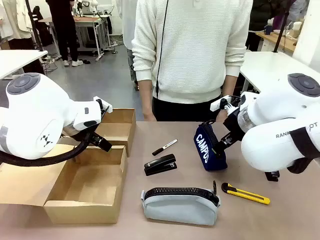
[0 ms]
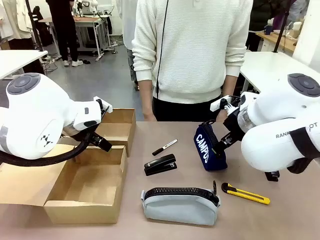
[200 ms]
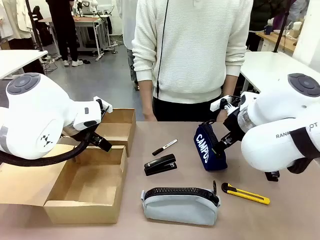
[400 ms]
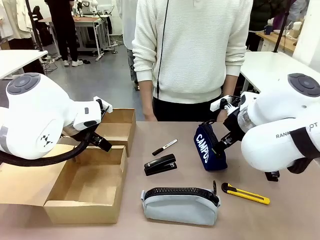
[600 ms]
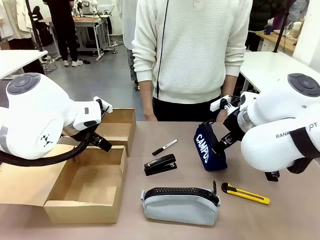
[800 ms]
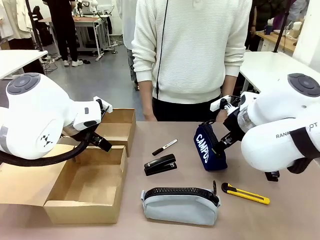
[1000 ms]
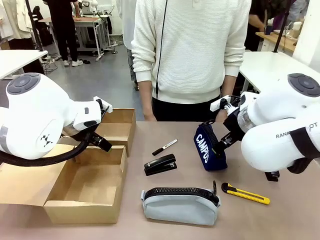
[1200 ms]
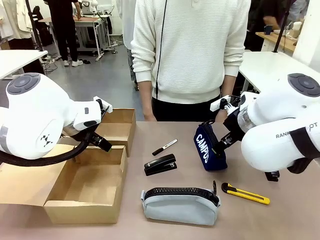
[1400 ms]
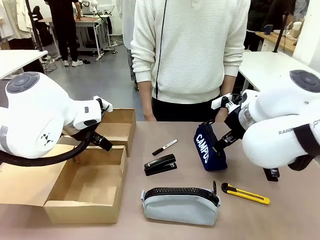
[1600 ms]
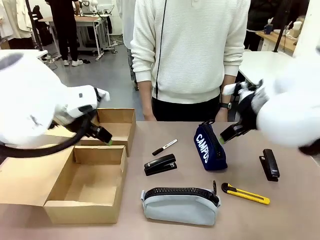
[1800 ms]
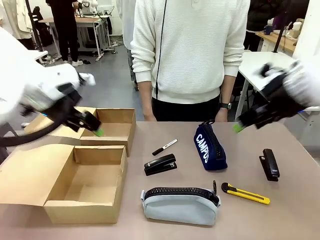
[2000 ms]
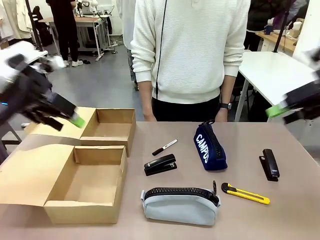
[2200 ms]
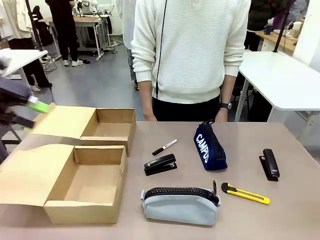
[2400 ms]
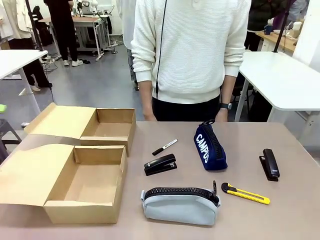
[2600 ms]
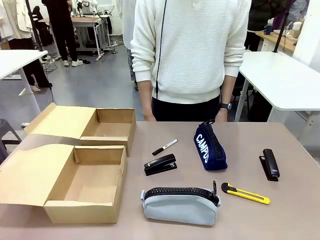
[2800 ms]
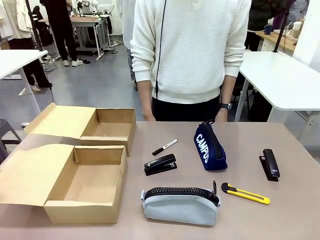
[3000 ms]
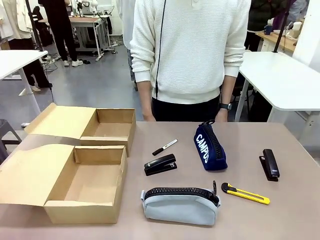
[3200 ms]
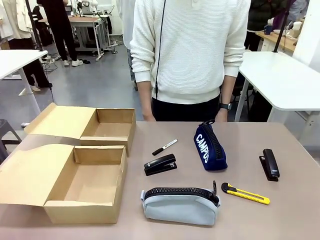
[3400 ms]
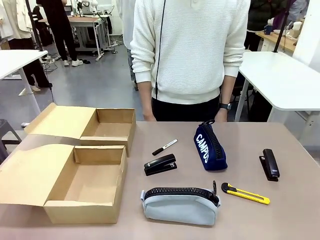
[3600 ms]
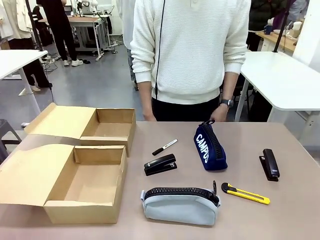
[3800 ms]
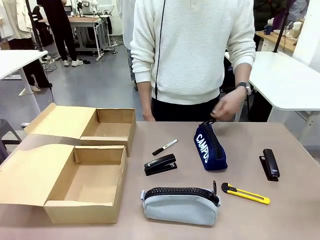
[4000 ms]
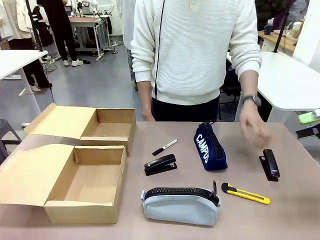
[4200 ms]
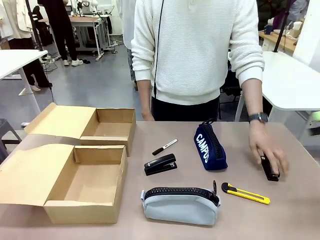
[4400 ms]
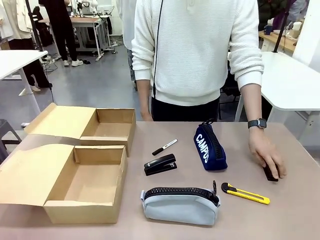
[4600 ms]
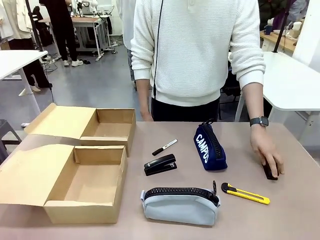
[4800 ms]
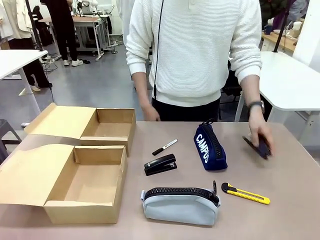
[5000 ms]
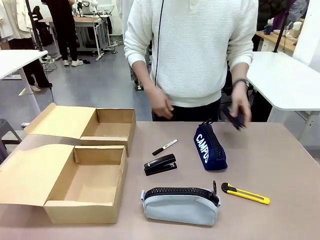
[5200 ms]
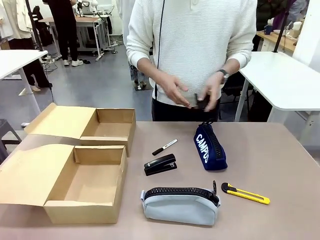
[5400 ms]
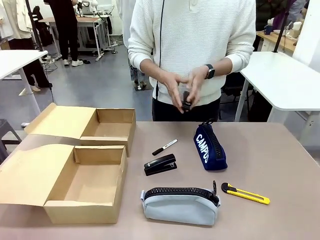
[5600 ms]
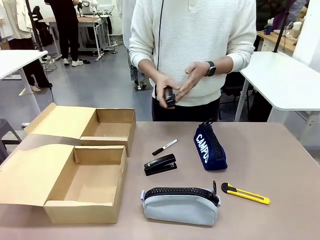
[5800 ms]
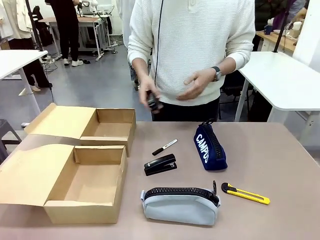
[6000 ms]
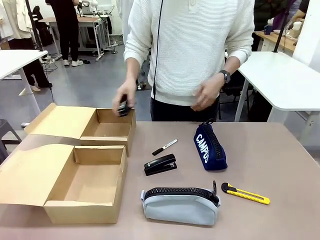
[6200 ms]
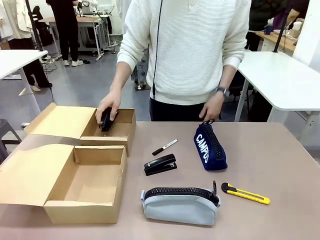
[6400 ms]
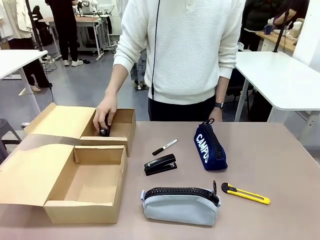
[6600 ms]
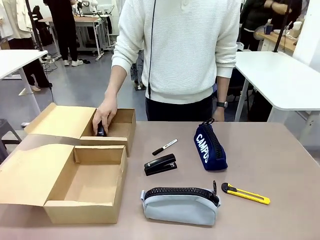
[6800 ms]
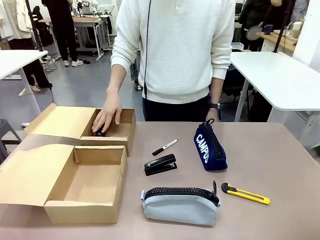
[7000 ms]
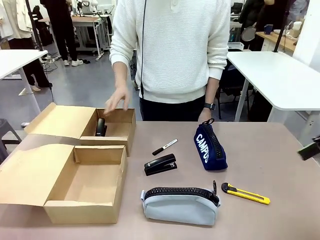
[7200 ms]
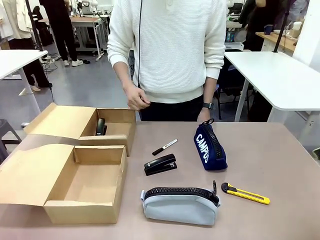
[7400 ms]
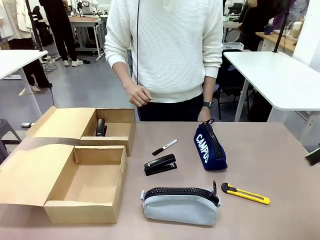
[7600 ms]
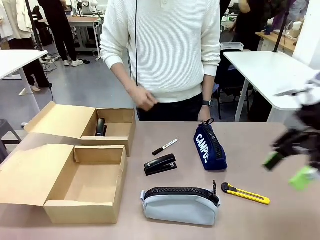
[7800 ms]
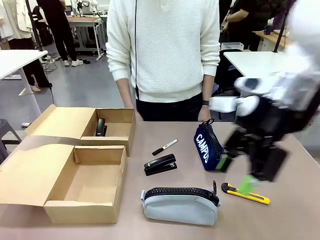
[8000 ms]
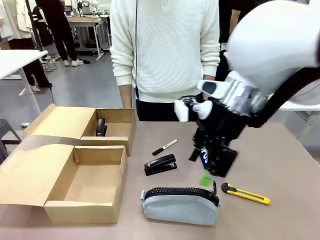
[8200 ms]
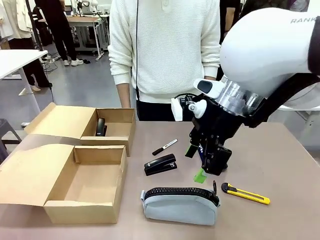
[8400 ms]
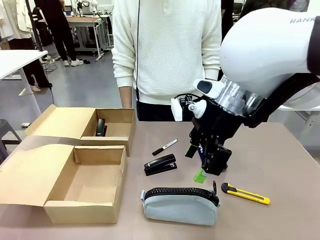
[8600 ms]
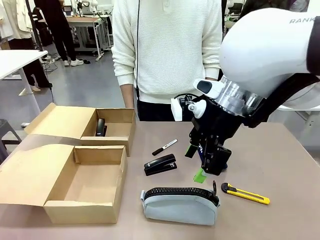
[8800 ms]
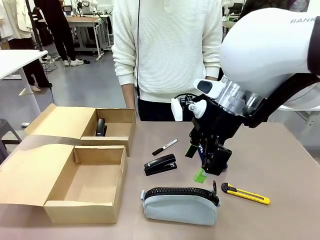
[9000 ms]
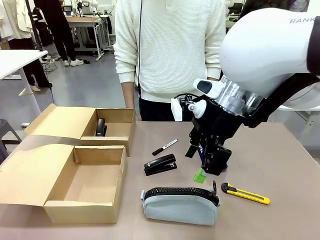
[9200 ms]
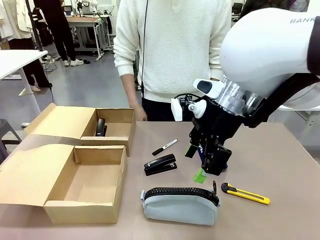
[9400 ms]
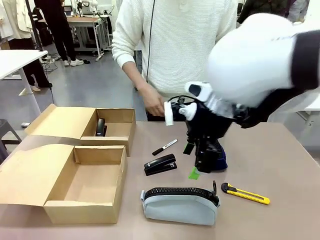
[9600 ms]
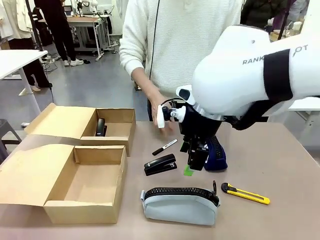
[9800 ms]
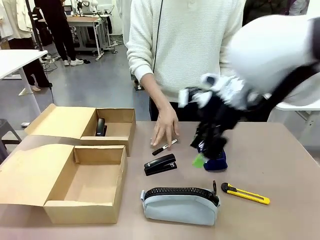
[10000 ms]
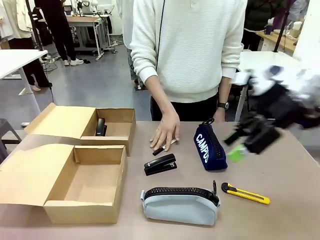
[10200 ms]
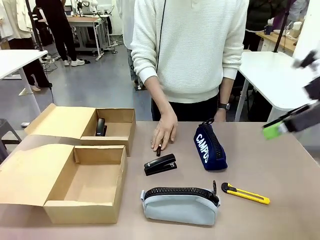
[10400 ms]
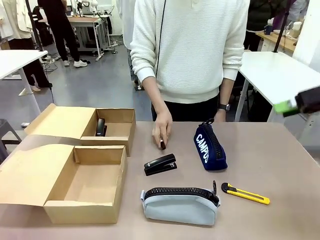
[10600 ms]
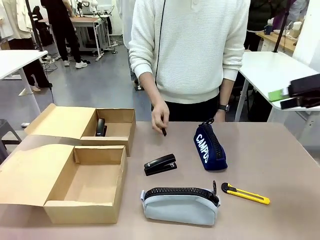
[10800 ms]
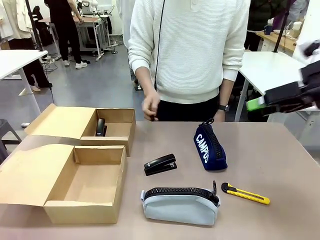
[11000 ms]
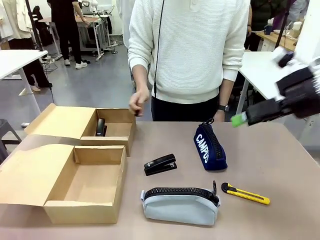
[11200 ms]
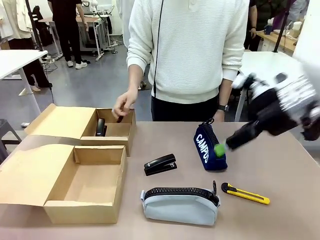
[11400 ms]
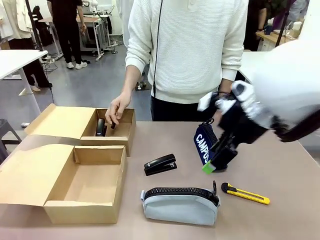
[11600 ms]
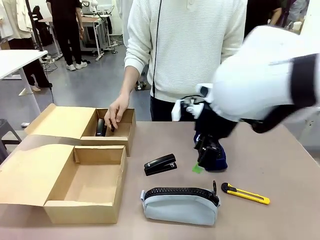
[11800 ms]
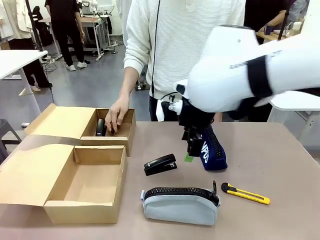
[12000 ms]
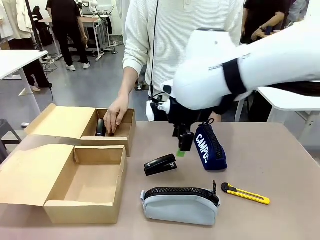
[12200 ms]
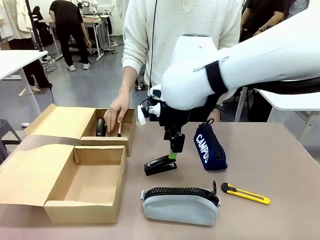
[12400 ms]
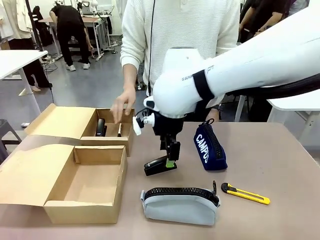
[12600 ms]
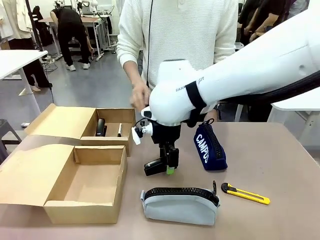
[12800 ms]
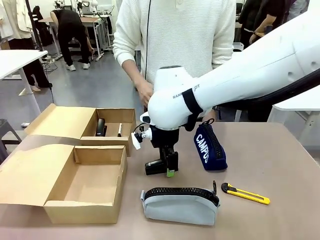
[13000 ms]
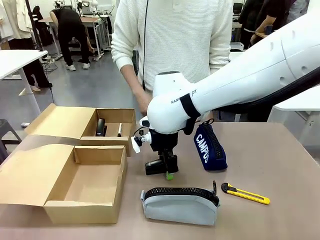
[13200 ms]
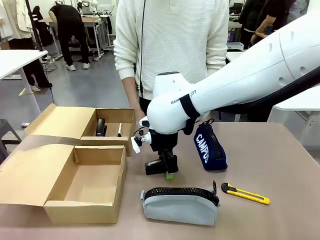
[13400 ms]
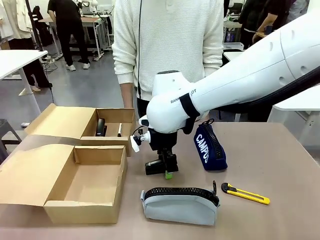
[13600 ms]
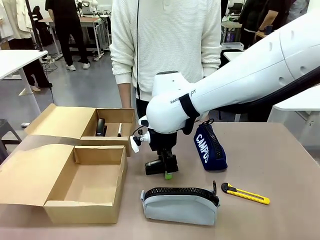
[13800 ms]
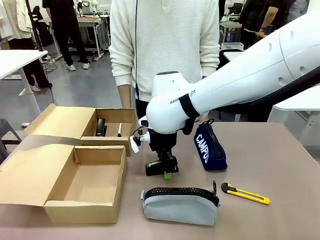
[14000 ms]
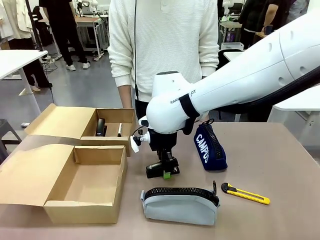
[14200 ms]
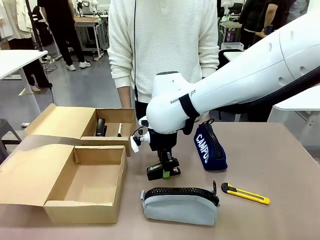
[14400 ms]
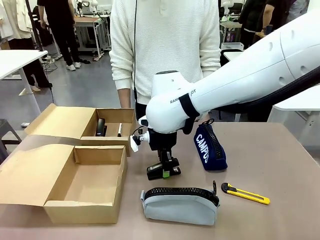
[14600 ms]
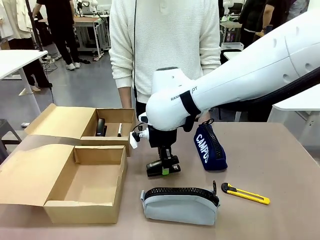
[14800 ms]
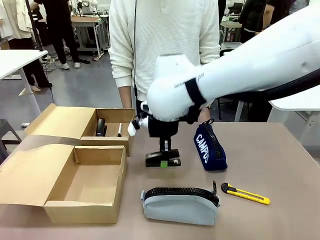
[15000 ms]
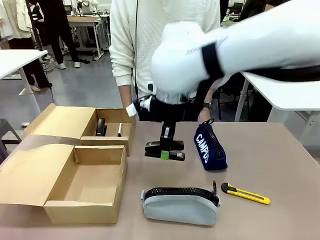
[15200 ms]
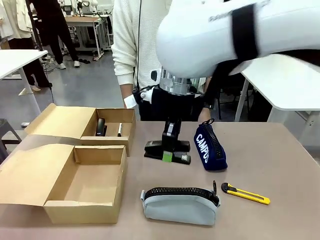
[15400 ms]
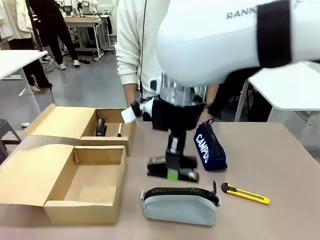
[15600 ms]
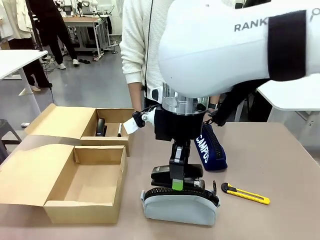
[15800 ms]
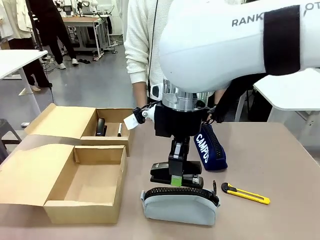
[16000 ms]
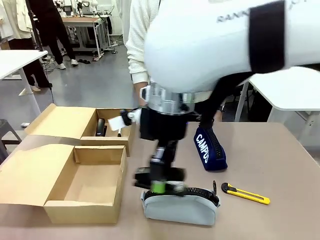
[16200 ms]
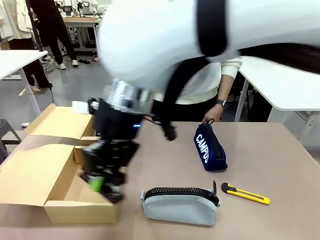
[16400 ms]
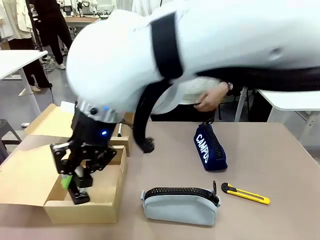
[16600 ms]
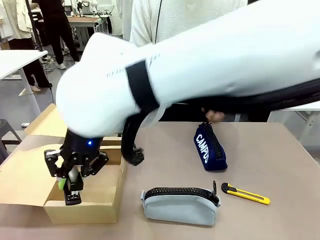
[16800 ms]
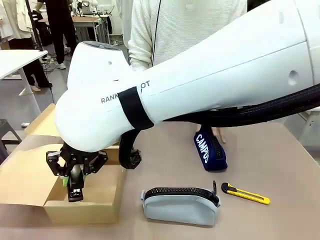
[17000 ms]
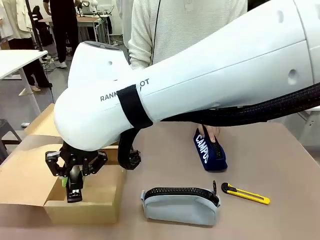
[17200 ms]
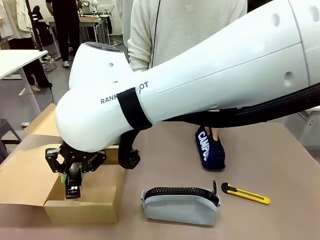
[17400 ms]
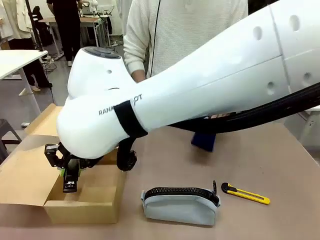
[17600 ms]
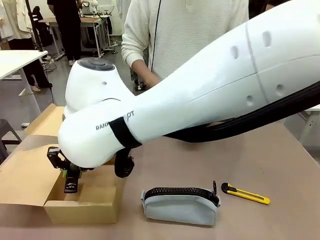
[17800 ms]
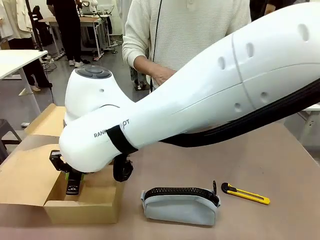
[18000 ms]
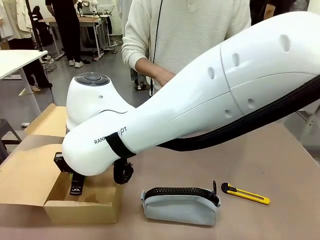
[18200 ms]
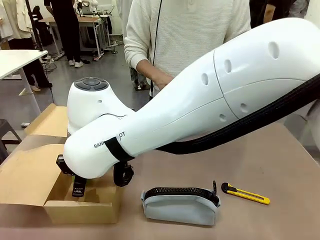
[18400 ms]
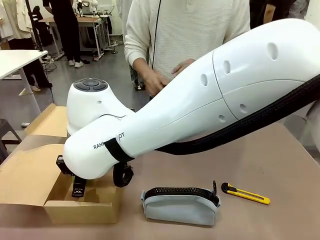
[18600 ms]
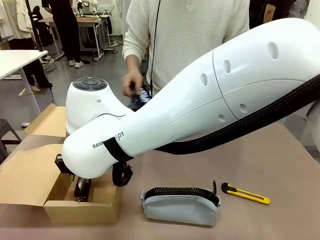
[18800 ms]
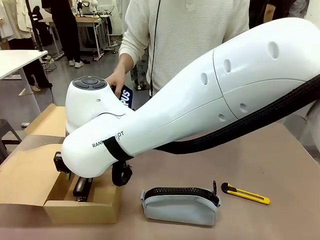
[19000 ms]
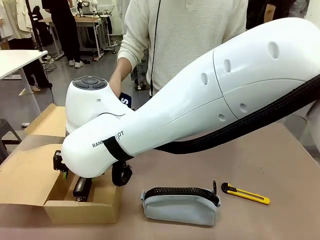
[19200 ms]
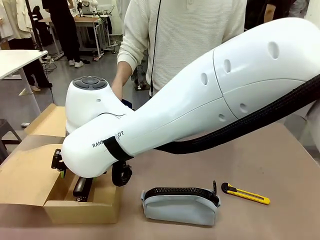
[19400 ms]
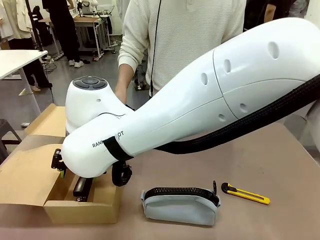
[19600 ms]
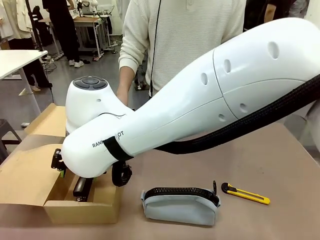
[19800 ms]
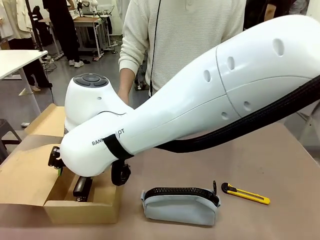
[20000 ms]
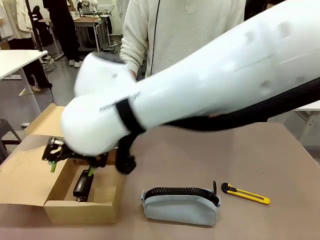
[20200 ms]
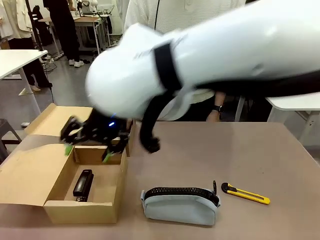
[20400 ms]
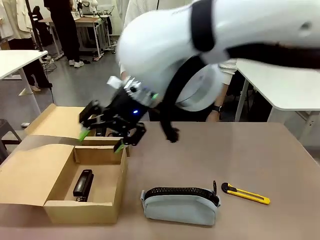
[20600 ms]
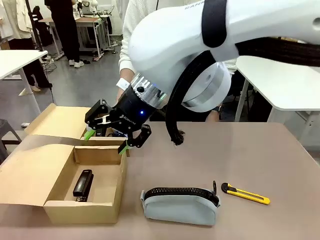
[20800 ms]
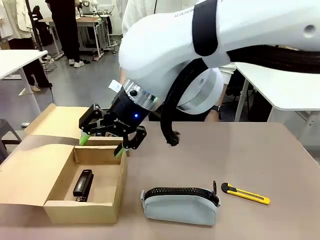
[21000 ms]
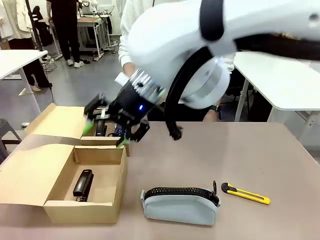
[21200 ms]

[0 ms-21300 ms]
Task: Place items inside the box.
Robot: Pick up a Pencil pouch or Stapler and place it inside the Mailer Box closest to the robot.
Person: Pick up an object on the table and put it in the box.
